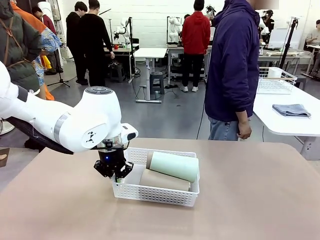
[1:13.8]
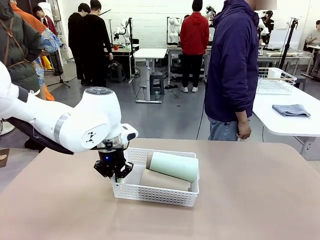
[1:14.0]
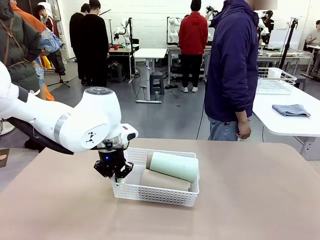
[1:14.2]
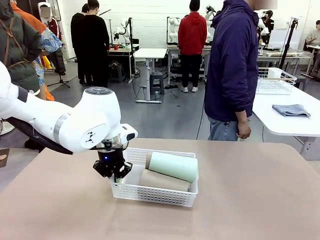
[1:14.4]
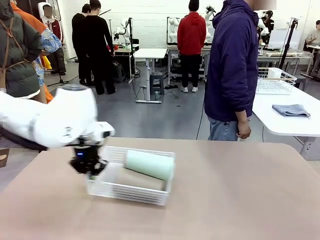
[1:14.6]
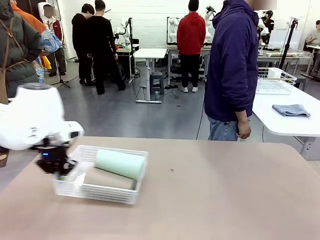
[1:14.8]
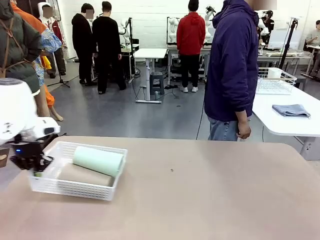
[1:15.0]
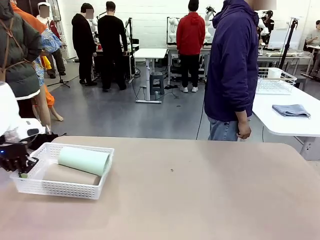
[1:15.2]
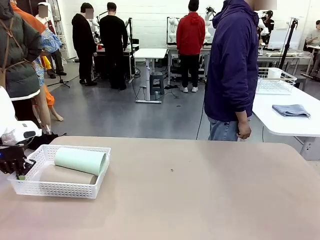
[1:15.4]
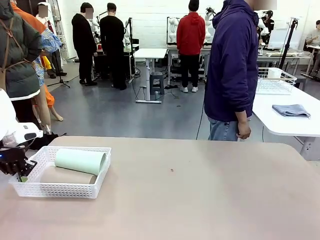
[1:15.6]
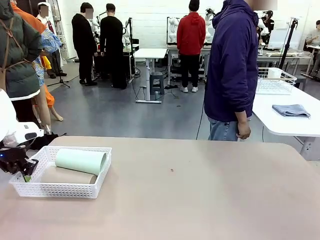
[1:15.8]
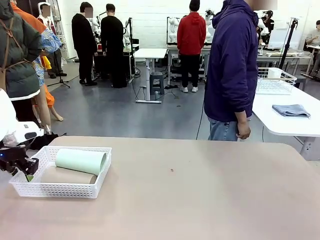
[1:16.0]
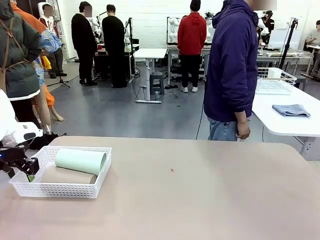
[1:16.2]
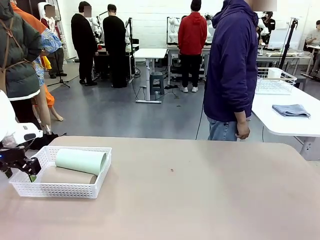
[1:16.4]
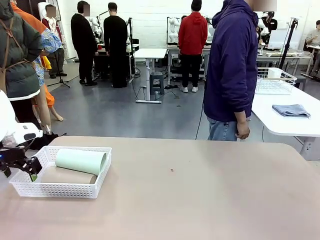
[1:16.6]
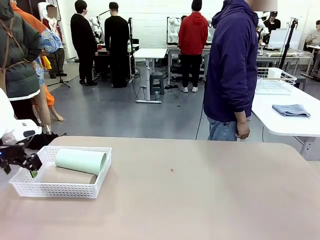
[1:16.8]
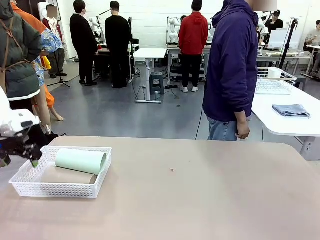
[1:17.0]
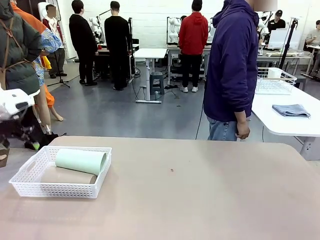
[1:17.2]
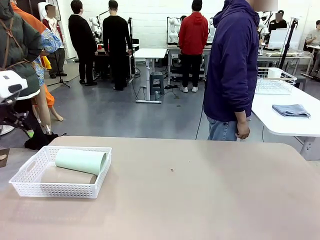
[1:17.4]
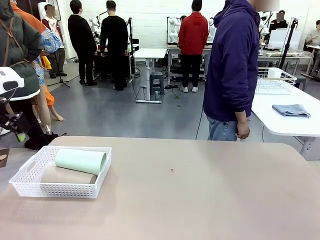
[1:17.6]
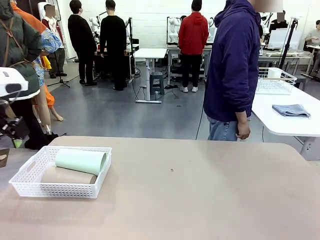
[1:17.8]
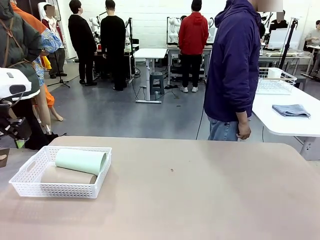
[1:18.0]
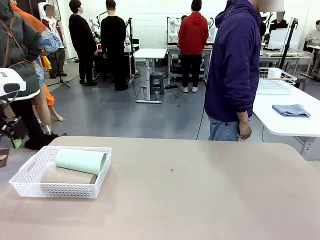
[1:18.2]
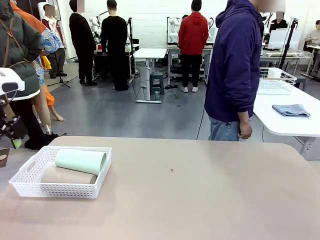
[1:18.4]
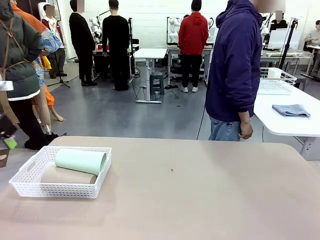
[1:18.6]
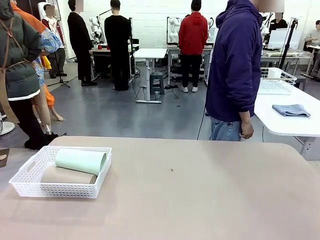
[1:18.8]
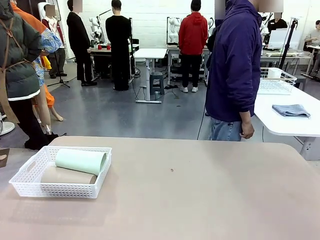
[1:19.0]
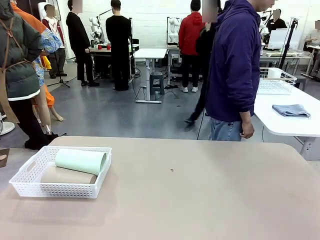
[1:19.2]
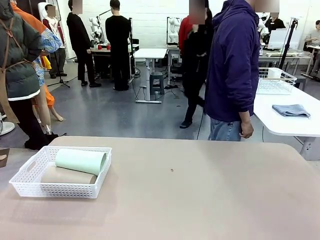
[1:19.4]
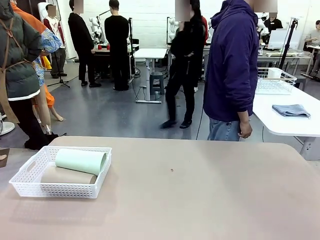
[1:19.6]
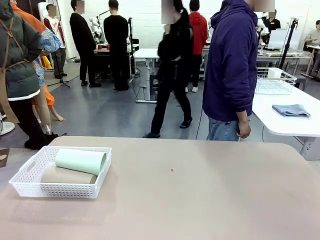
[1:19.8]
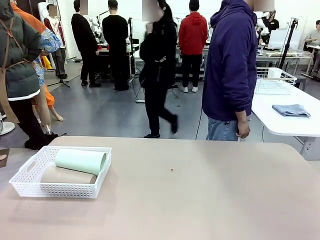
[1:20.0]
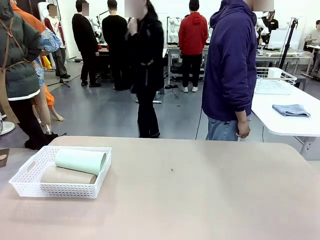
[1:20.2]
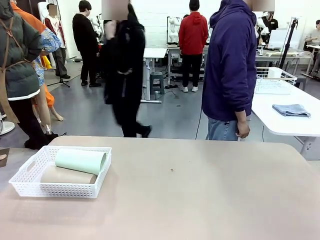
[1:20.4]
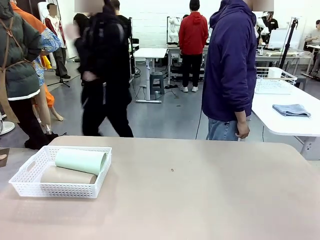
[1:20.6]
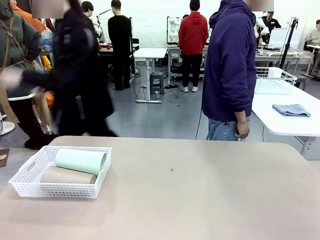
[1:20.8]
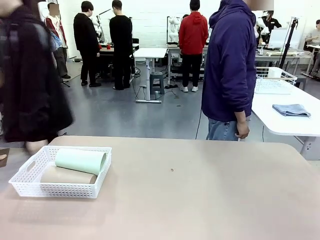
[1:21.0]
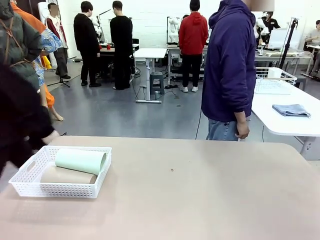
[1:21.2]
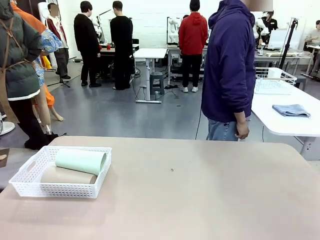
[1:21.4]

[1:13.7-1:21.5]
Task: Clean and organize the cups into the basket.
Robot: Move the Organizing basket back to the left side of the table.

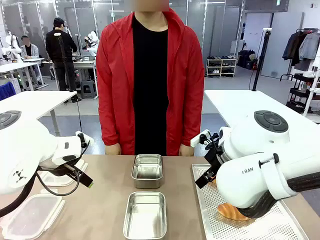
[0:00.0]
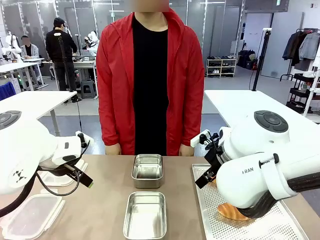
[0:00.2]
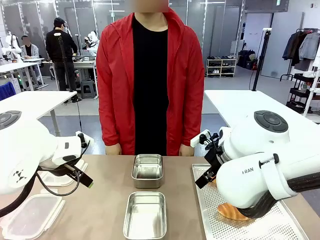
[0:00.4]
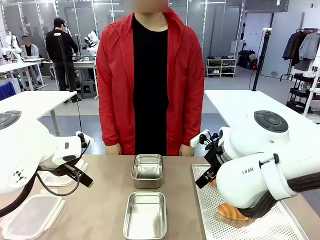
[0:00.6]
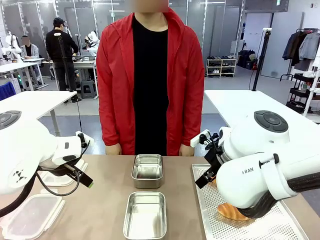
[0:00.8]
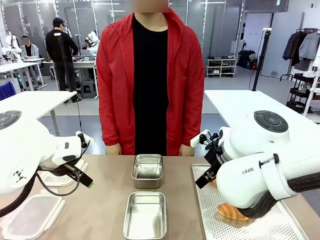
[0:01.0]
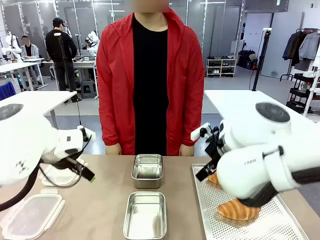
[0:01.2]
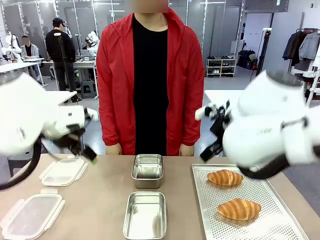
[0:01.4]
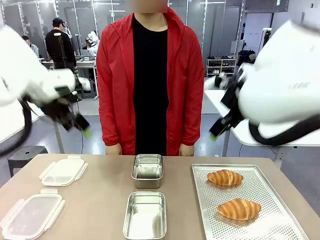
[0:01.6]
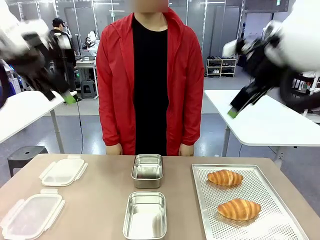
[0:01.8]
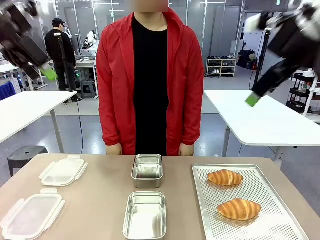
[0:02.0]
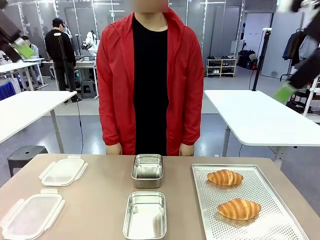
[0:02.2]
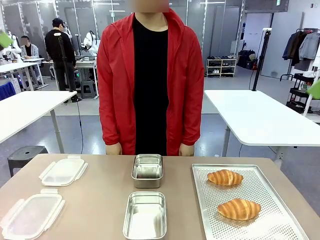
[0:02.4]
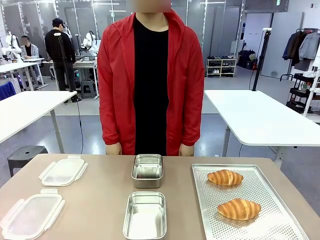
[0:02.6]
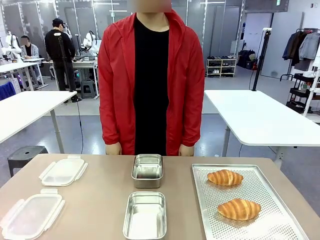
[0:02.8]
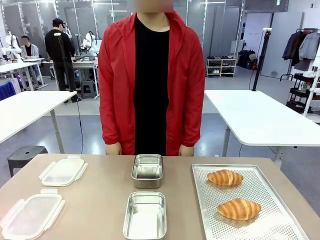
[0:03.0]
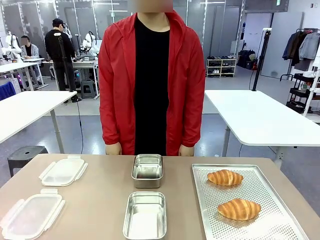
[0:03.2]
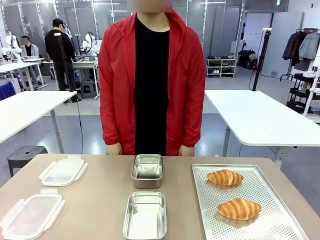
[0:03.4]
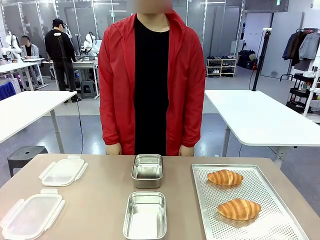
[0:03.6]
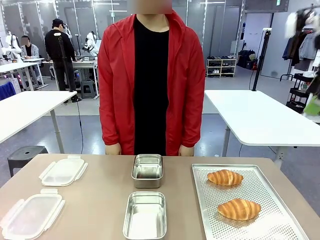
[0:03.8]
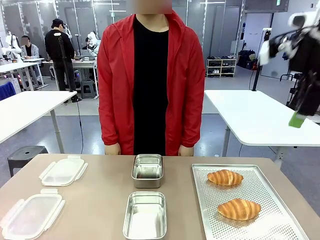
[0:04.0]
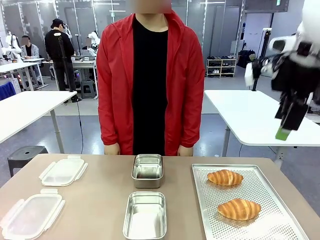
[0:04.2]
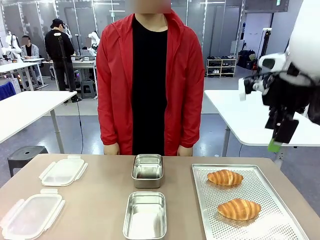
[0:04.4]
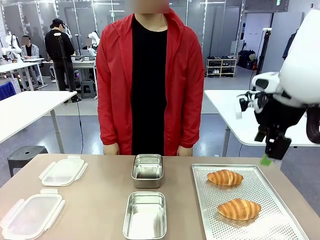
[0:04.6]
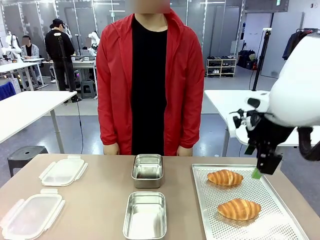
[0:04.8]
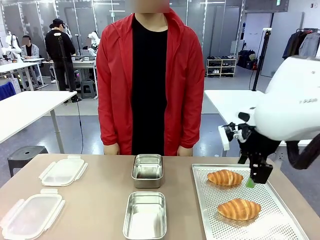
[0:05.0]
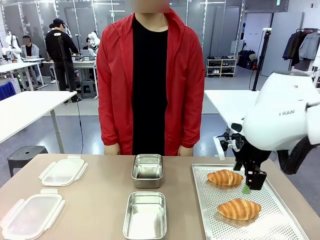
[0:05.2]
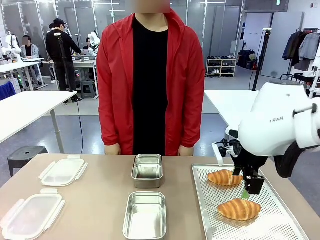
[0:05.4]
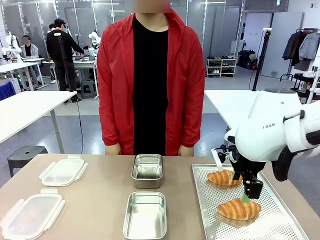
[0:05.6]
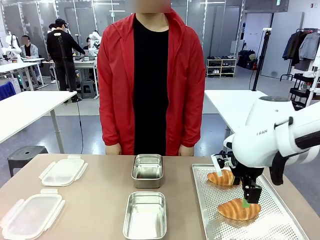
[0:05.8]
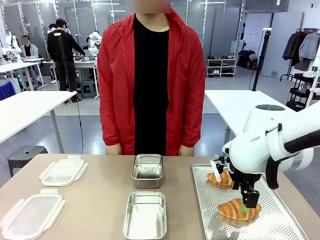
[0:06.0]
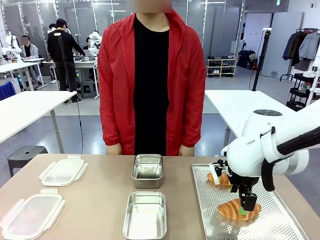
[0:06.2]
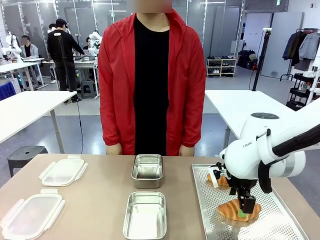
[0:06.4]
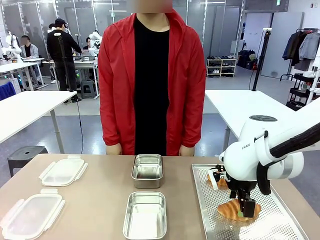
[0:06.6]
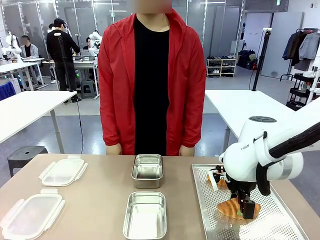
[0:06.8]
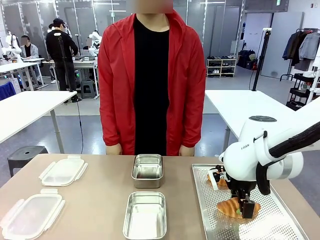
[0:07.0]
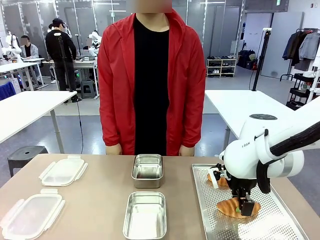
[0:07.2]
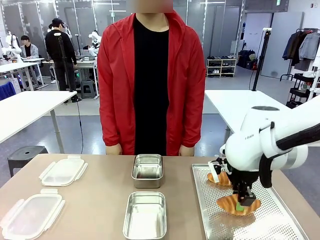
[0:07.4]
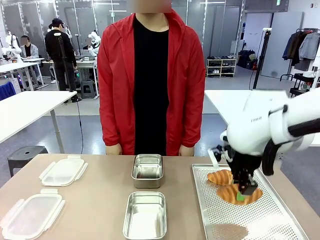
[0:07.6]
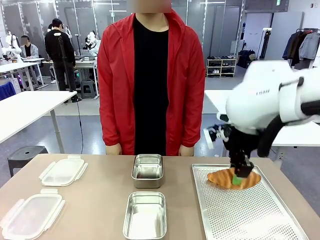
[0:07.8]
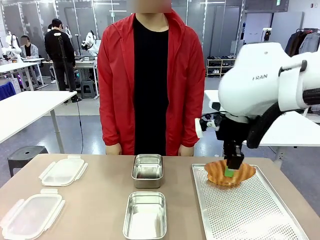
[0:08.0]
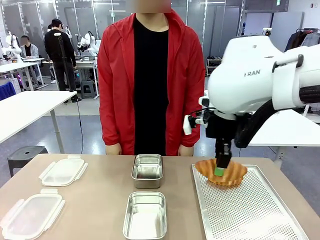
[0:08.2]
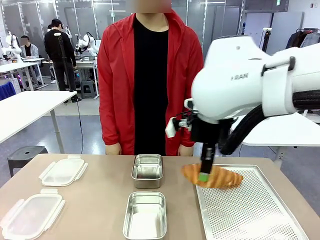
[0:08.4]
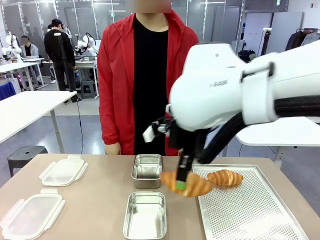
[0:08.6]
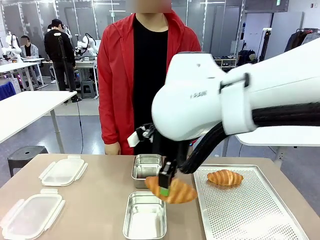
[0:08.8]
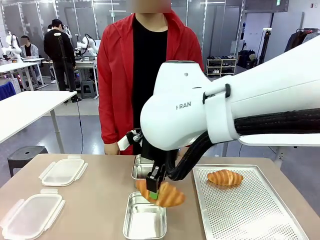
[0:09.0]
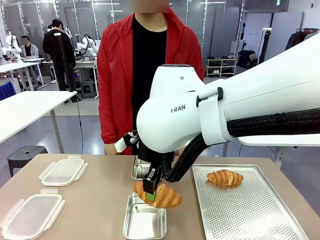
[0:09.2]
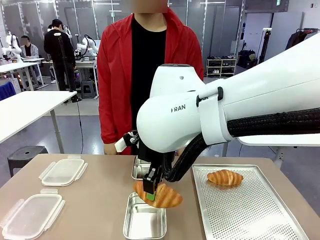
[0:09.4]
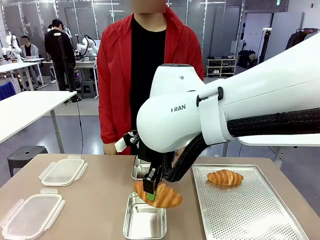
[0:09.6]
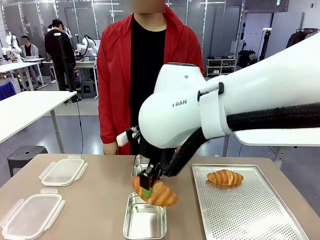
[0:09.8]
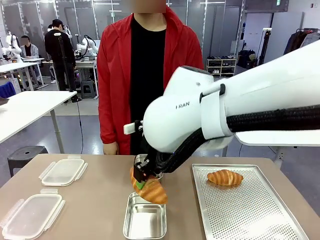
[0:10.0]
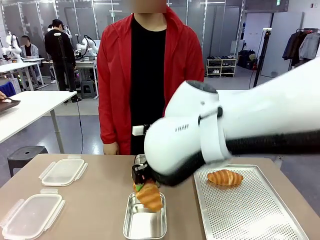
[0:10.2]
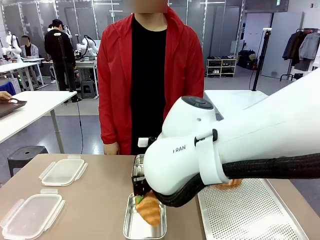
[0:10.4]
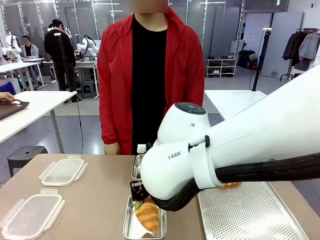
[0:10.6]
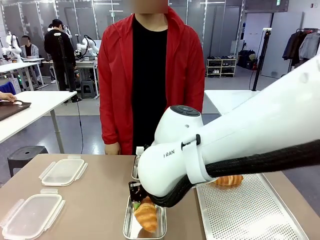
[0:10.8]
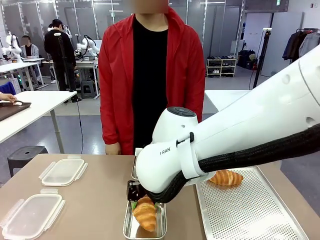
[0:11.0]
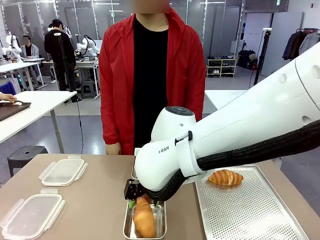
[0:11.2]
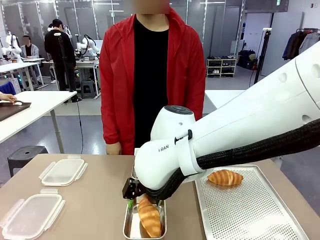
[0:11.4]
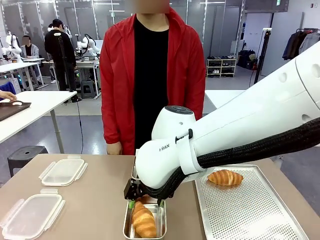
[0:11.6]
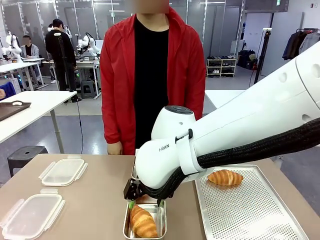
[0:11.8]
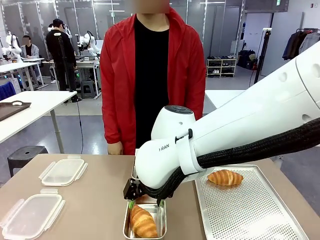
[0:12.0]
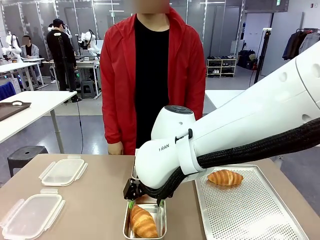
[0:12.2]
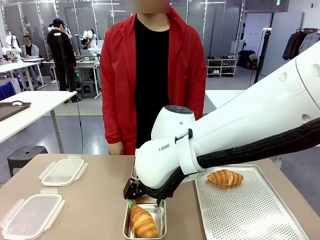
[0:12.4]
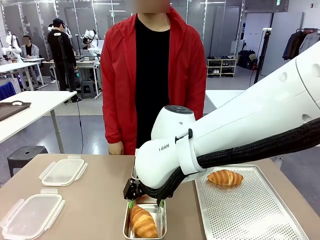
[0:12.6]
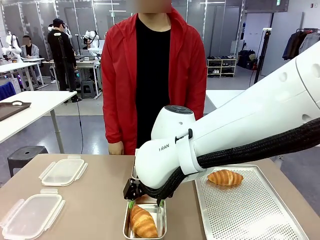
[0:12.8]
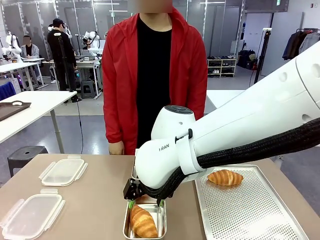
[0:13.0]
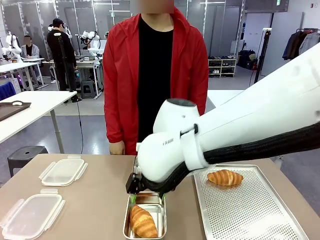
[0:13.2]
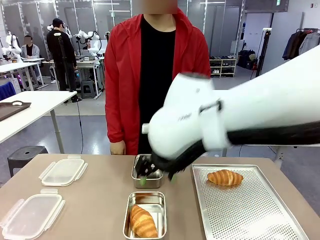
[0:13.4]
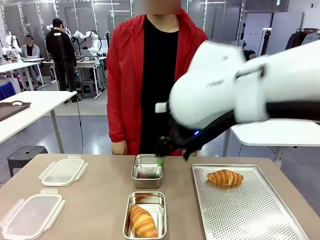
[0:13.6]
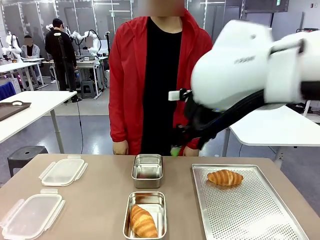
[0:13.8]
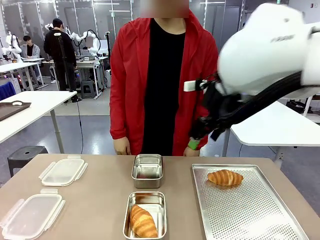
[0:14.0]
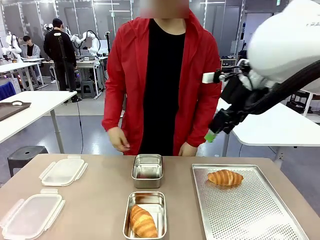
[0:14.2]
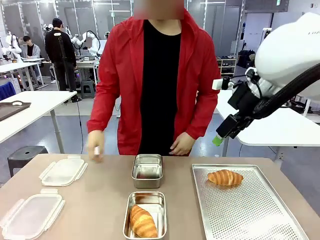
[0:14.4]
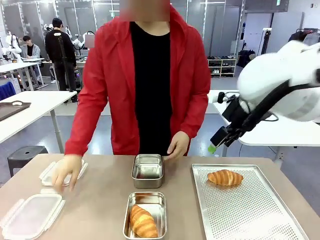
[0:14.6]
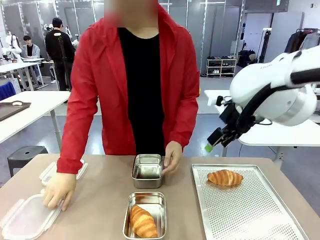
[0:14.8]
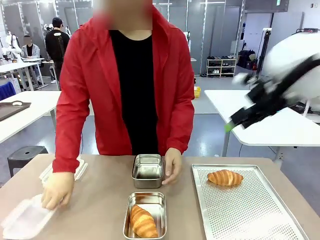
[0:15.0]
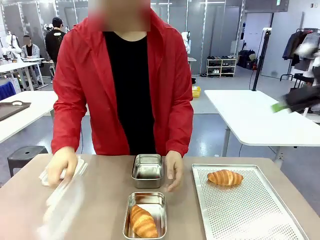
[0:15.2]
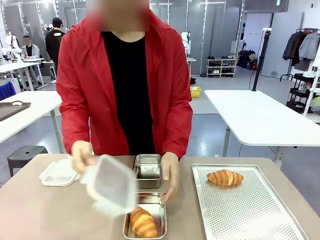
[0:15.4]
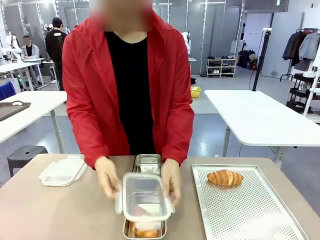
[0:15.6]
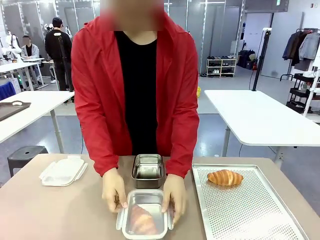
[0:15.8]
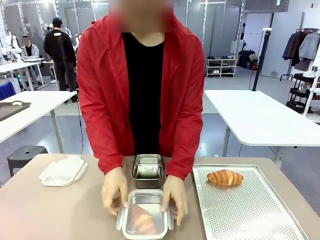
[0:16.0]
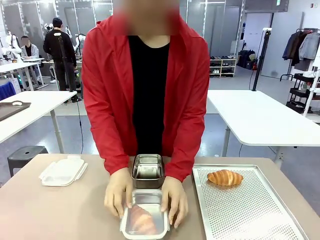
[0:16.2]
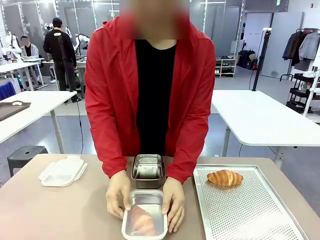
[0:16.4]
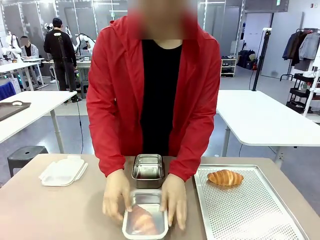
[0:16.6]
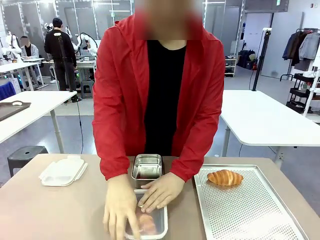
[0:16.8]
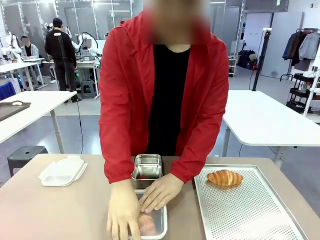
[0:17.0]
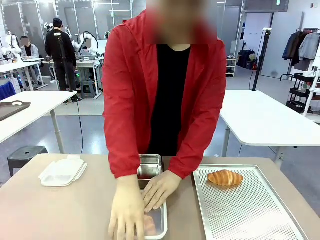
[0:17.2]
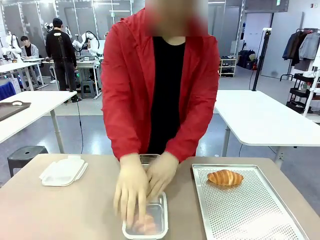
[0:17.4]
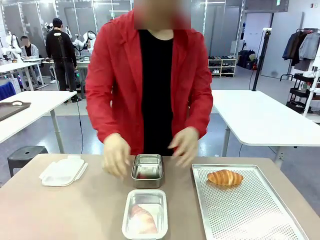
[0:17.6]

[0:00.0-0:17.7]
Task: Place the bread into the airtight container.
Robot: Pick up a Butter Roll and place it into an empty Airtight Container.
